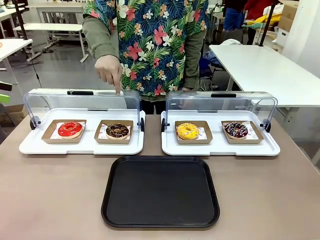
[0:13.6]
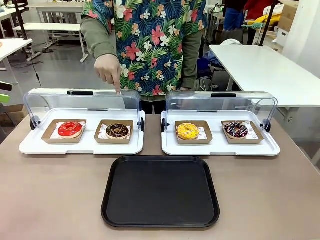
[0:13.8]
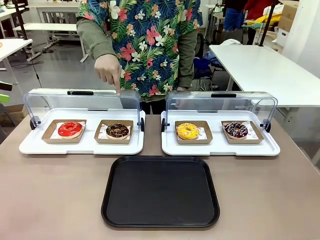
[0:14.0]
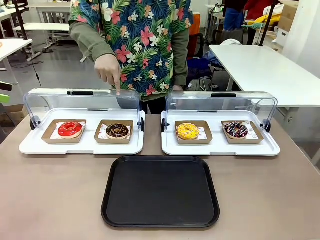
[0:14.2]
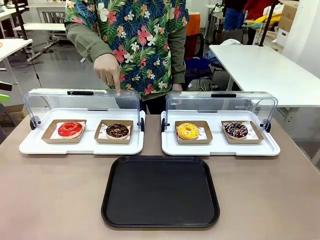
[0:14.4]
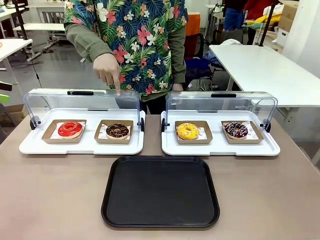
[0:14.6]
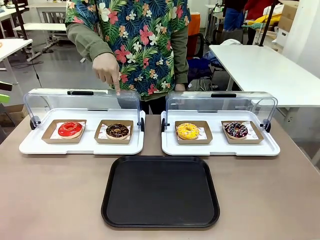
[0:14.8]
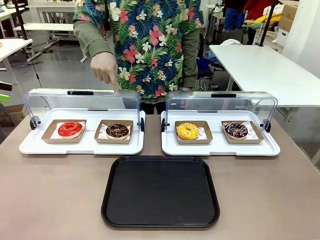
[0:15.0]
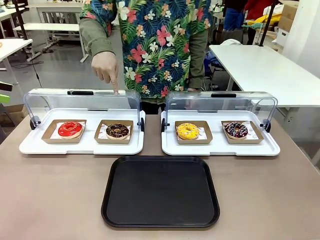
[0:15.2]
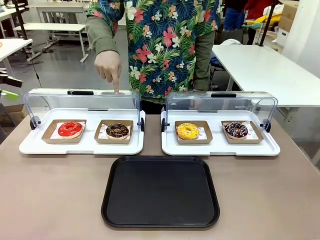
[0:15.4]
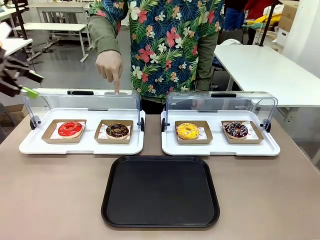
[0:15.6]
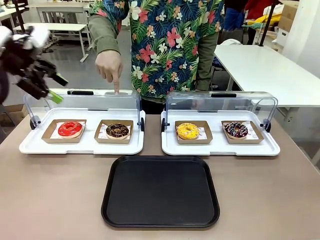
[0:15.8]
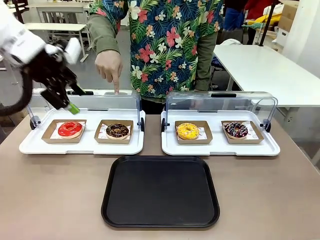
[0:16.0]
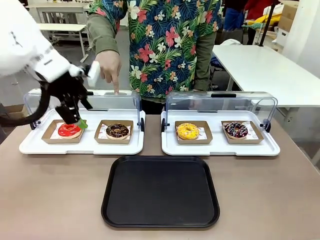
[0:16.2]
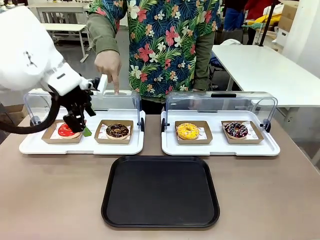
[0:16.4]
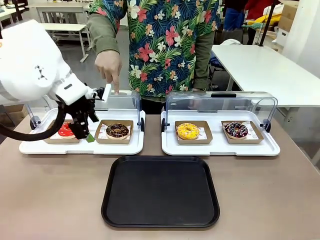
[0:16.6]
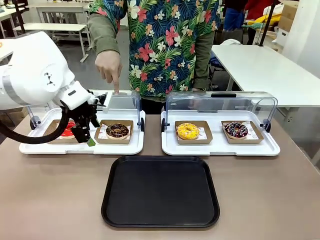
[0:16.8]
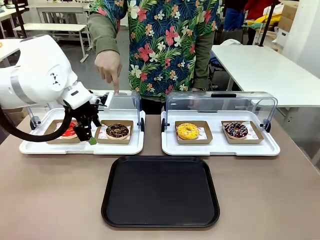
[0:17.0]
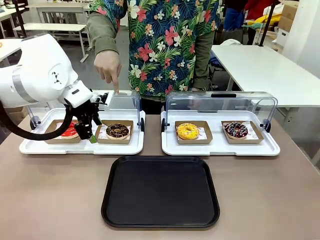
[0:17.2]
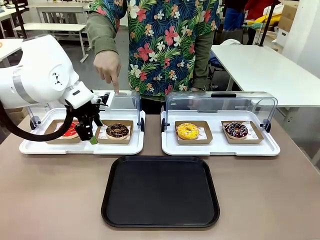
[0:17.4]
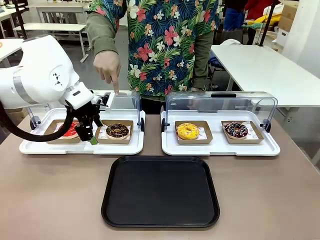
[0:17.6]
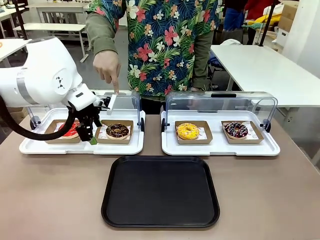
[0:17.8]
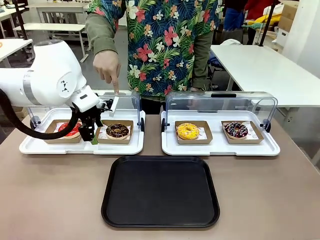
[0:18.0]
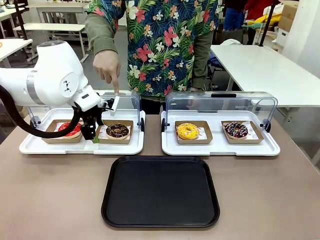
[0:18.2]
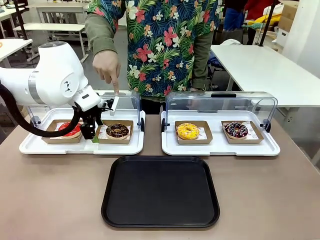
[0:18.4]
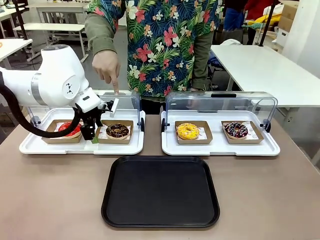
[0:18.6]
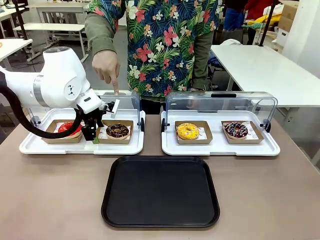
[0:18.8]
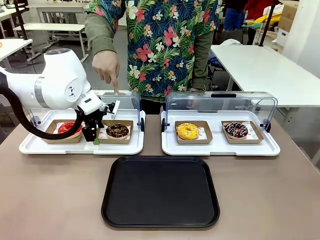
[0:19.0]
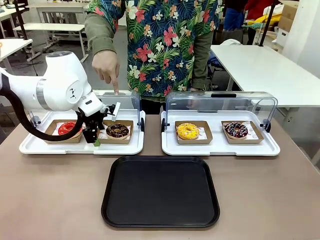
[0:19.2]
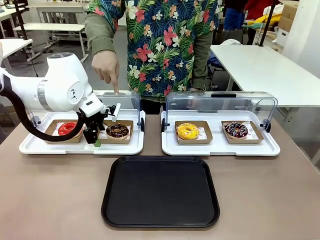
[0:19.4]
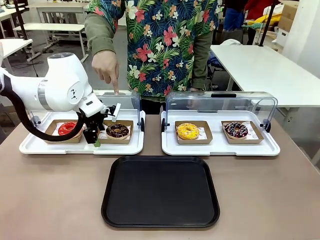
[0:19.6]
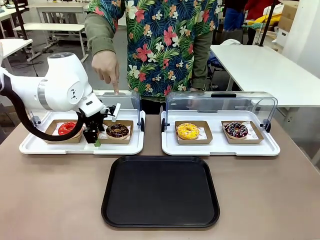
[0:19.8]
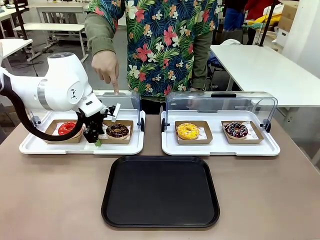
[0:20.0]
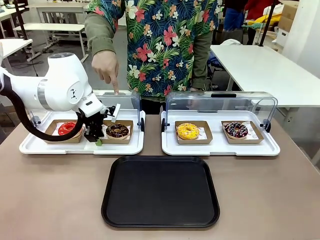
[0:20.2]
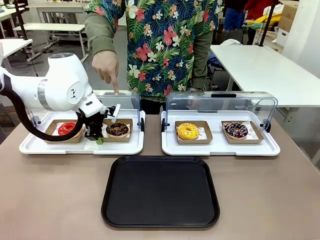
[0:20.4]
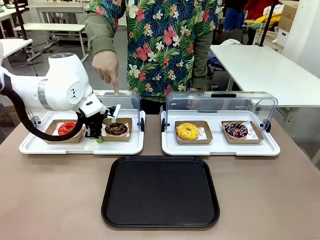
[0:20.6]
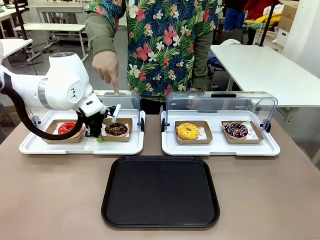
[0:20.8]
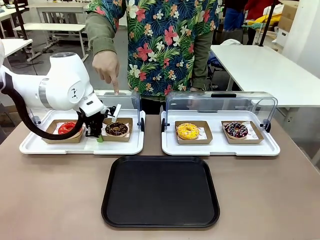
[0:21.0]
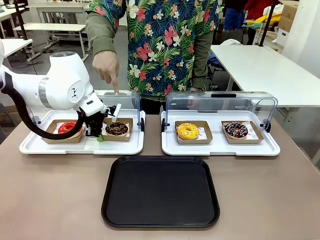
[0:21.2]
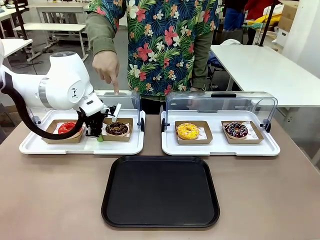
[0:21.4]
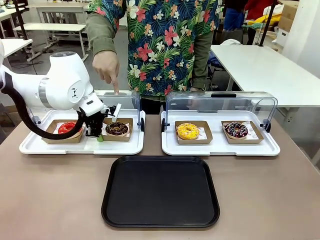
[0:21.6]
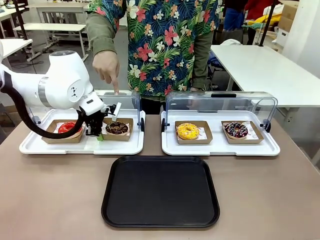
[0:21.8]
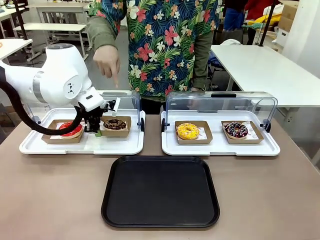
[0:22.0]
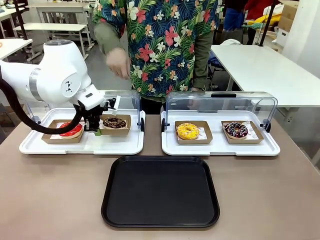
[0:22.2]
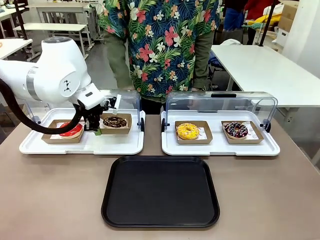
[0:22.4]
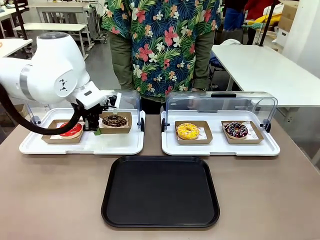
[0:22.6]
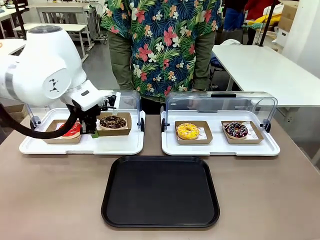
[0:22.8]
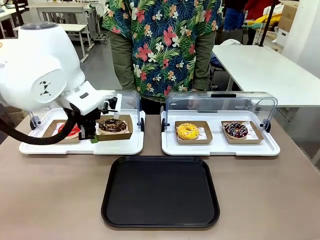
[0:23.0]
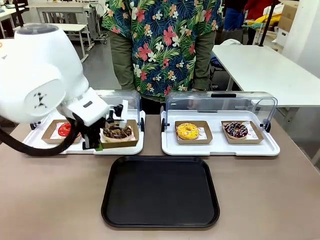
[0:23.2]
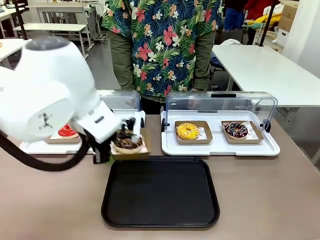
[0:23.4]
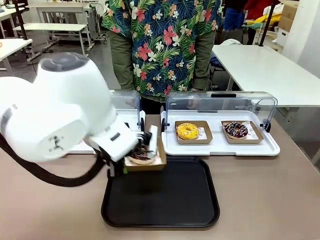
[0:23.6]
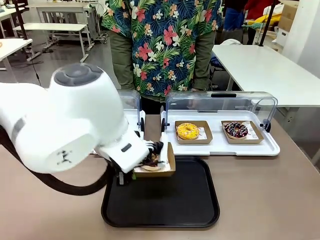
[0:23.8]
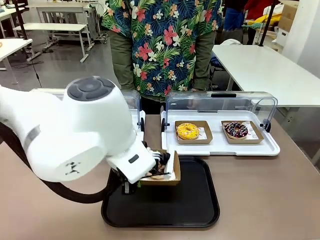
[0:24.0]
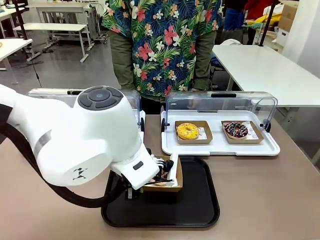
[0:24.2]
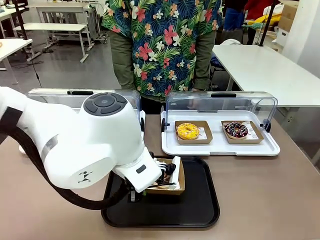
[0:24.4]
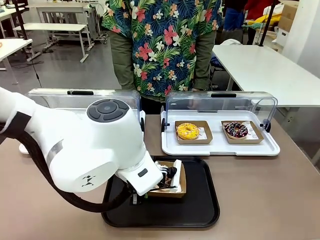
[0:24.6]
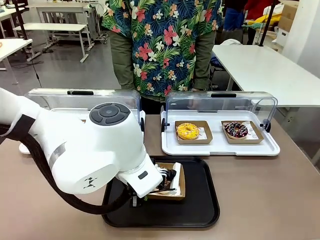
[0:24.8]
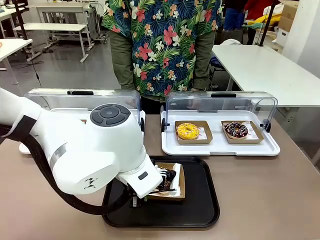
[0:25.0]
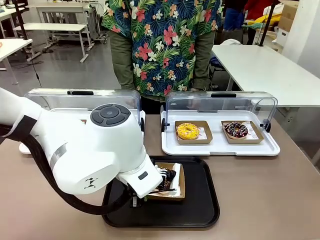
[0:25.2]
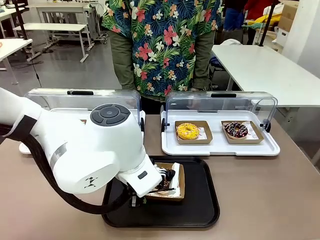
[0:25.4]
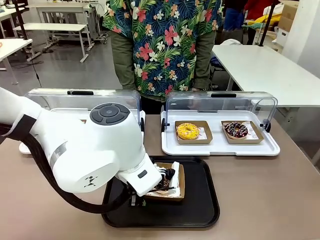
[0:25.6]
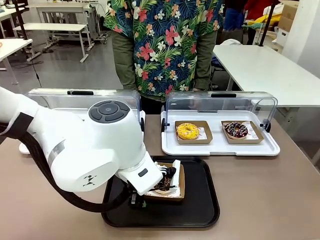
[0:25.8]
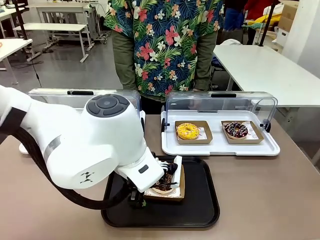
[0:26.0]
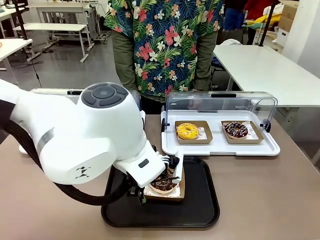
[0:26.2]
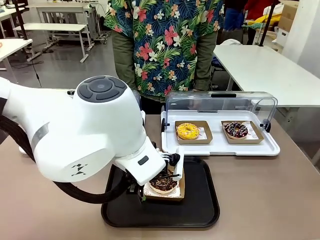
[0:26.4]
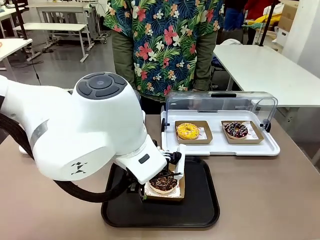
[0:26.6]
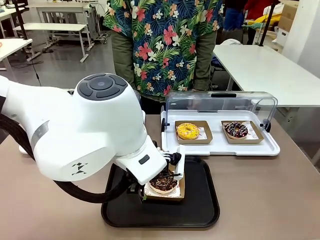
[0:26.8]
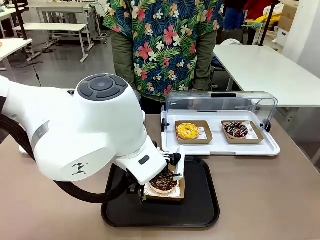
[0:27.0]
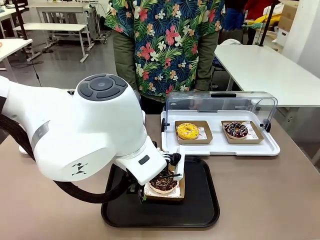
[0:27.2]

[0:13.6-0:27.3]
Task: Move the second donut from the left to the tray.
Robot: Pick up the Paper togo box containing the Donut indicated by the person and place it on the Handle tray.
Person: Points to the second donut from the left from the robot’s perspective.
